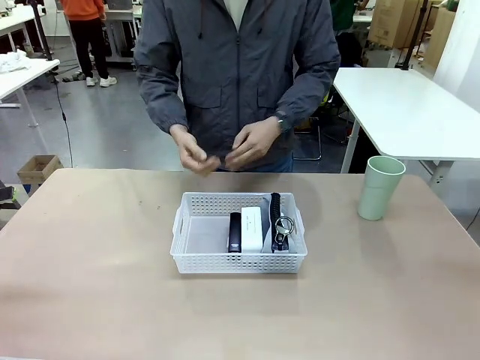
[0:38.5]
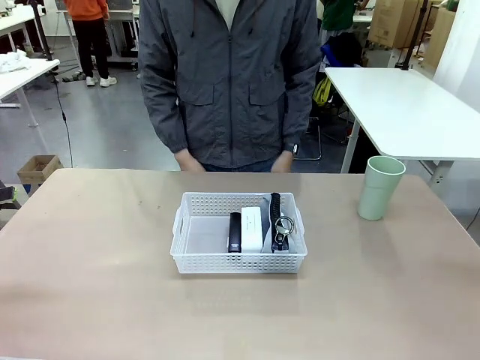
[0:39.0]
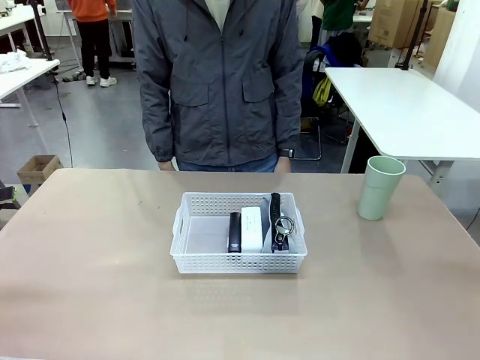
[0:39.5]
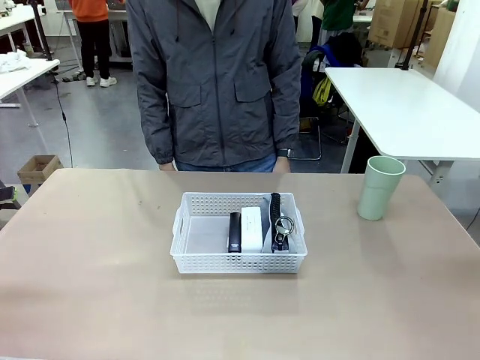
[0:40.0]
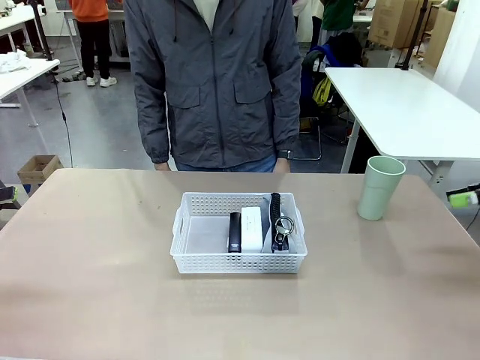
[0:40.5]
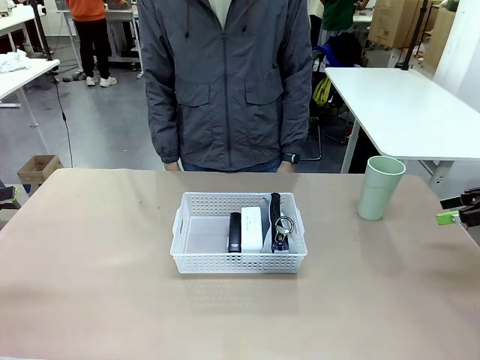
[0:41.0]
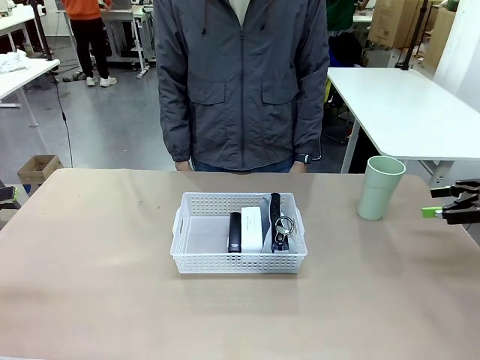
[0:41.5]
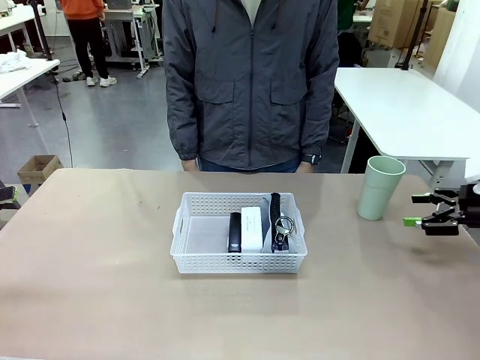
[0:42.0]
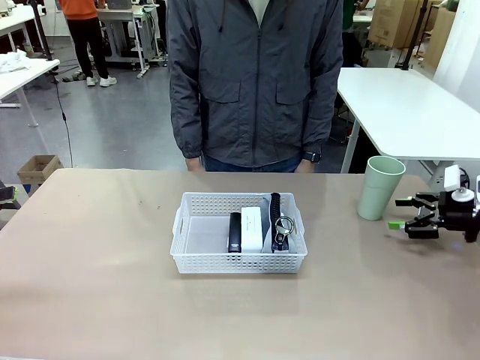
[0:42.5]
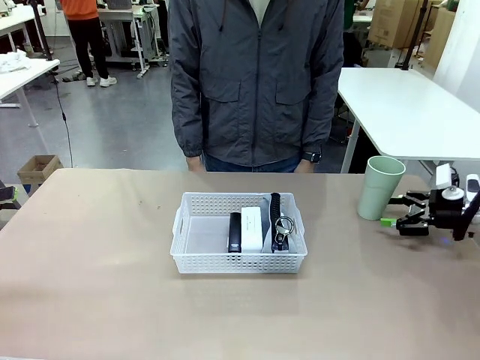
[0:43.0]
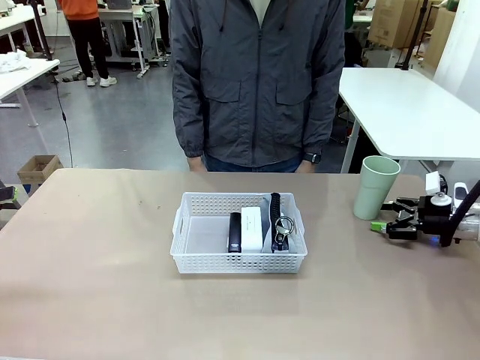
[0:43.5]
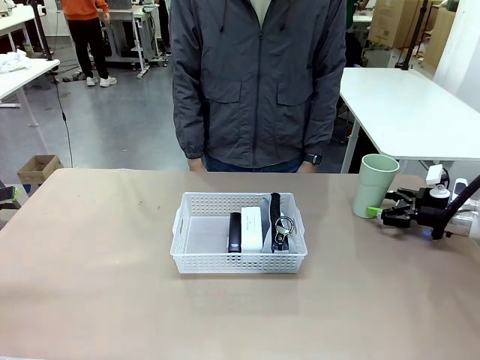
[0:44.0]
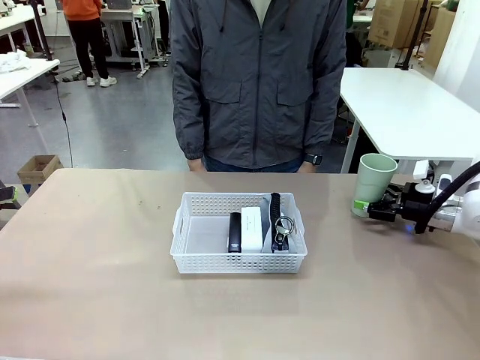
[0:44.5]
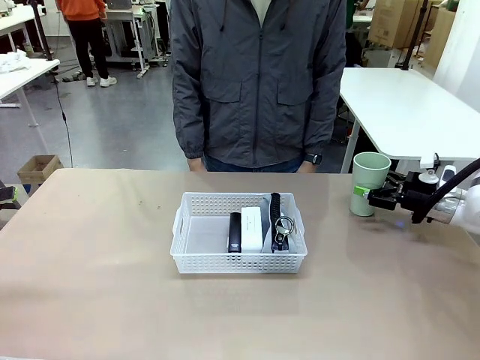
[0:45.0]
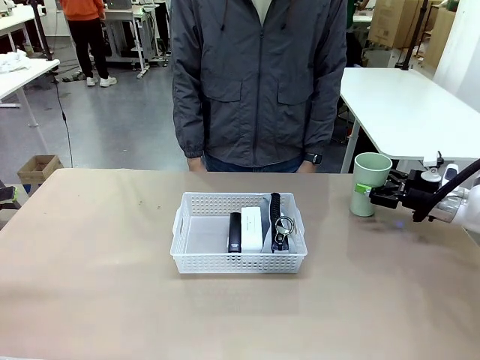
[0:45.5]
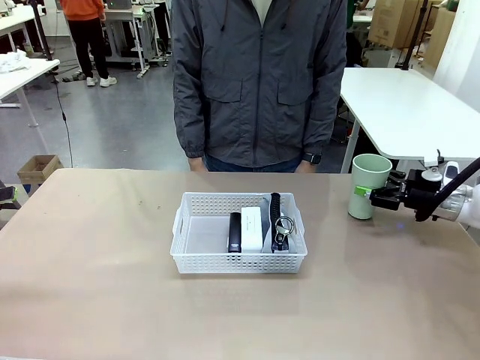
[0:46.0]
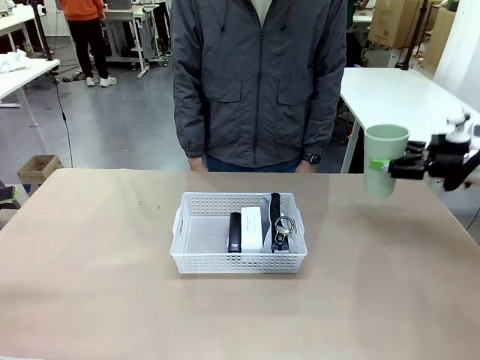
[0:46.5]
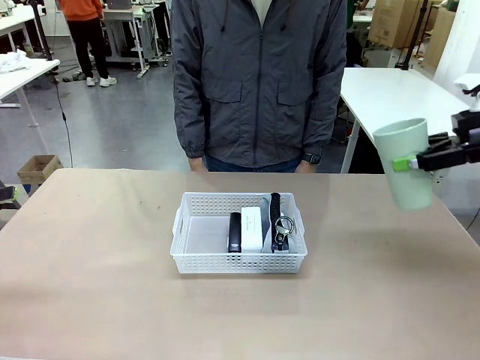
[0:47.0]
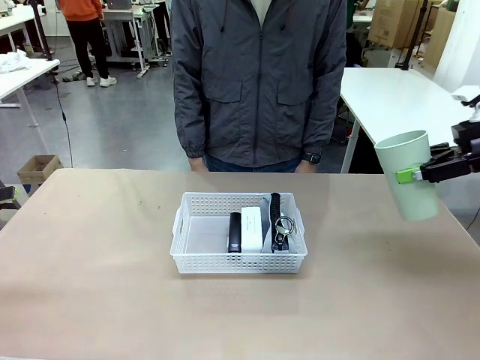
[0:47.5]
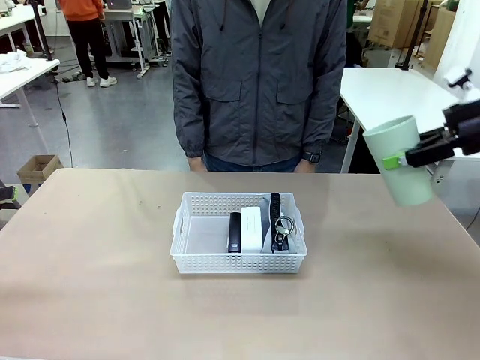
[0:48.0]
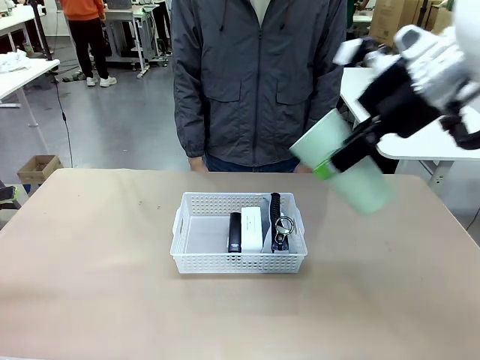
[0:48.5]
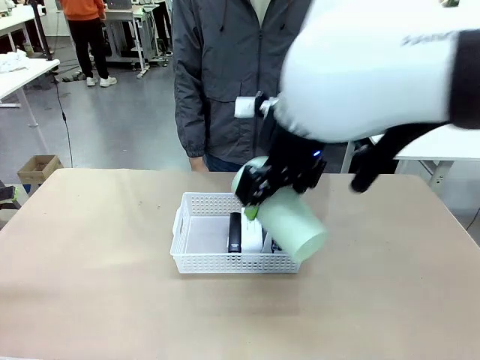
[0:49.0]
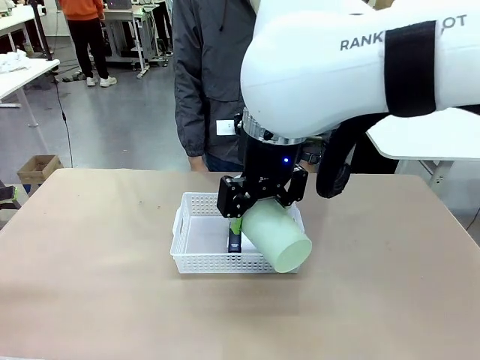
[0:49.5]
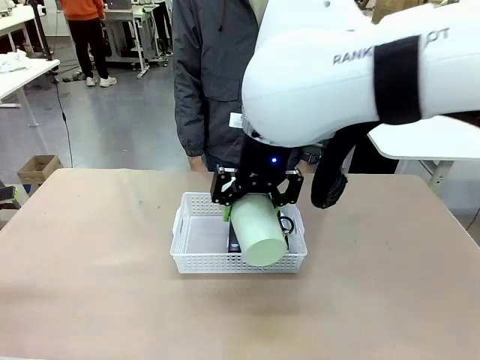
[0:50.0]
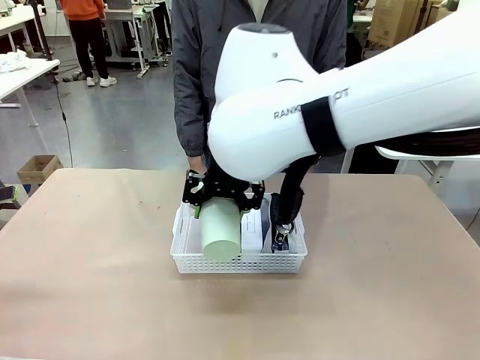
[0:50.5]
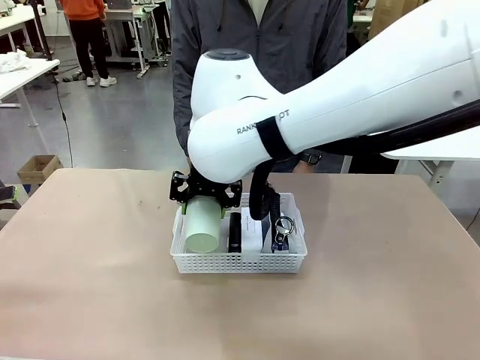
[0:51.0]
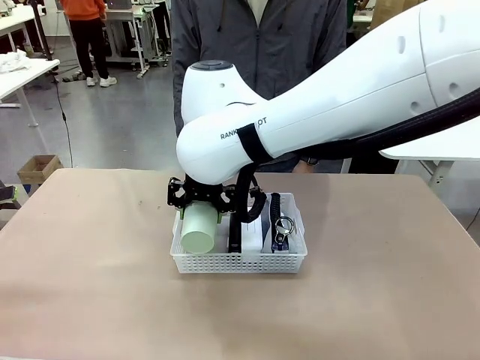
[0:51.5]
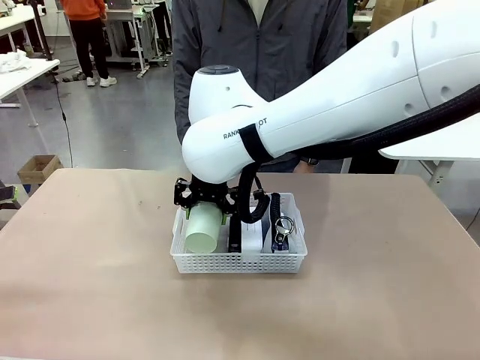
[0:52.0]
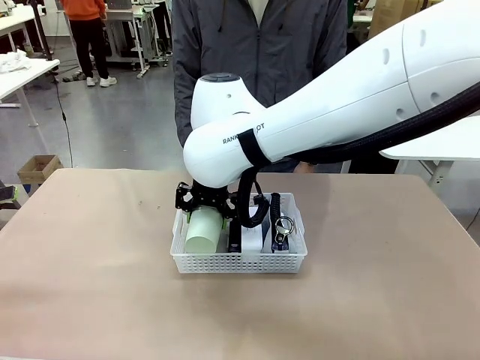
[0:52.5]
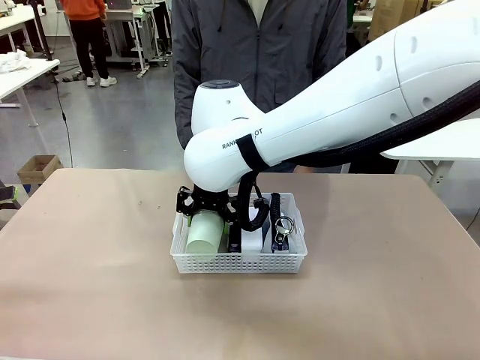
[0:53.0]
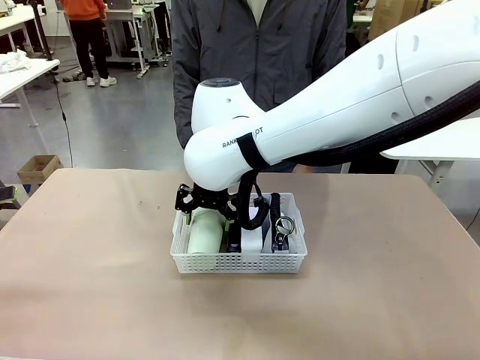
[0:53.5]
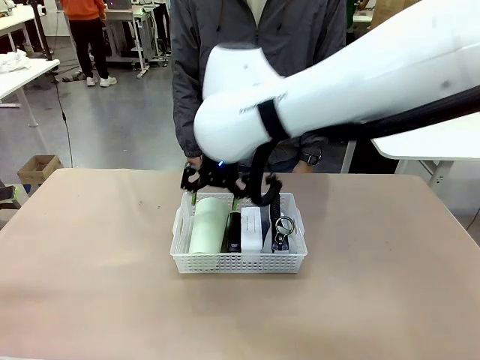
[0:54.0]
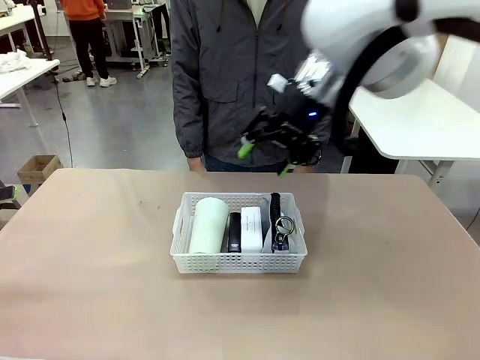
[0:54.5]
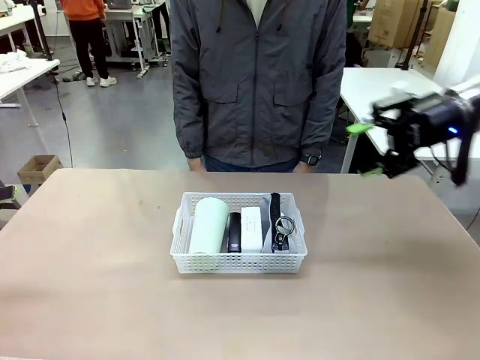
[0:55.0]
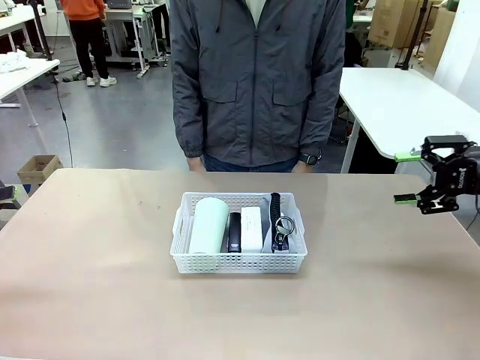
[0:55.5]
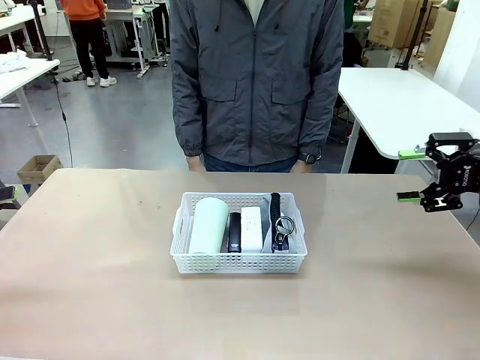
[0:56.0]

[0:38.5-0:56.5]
Task: Efficiently arrange items inside the basket to fit them all.
Robot: Pick up the Reusable plastic cup and place it inside the Organizing basket.
Person: Repositions the stapler.
